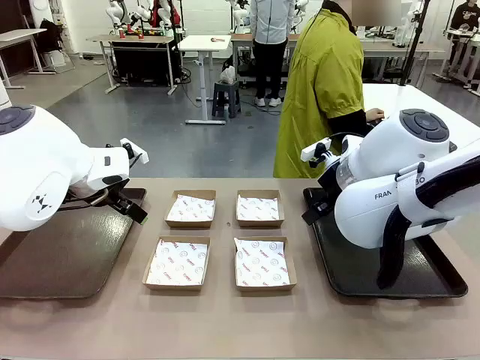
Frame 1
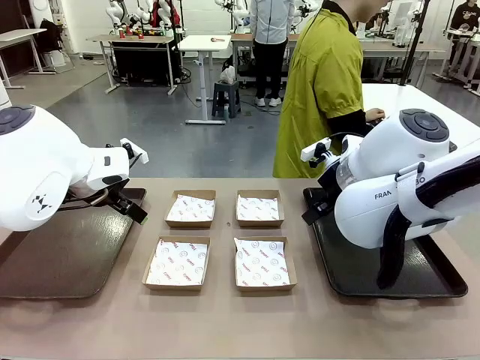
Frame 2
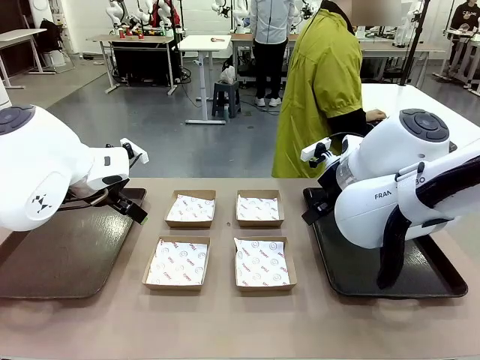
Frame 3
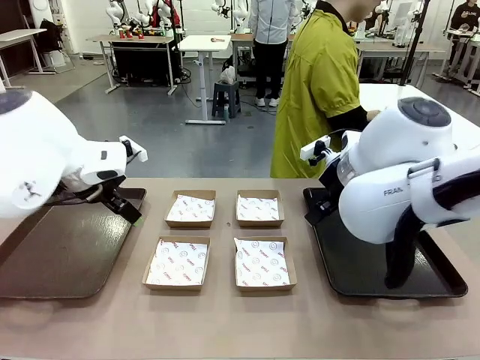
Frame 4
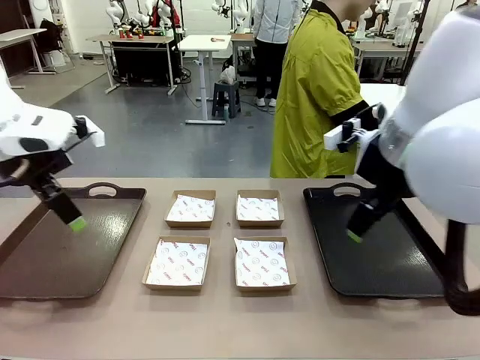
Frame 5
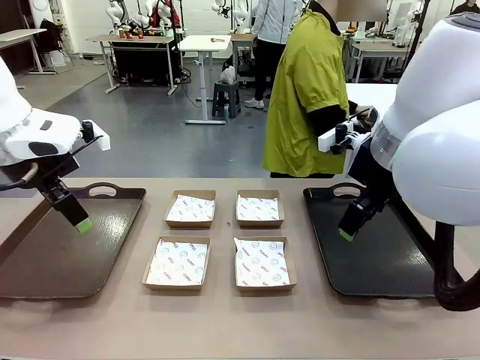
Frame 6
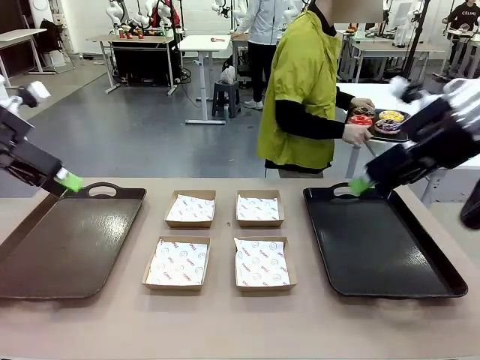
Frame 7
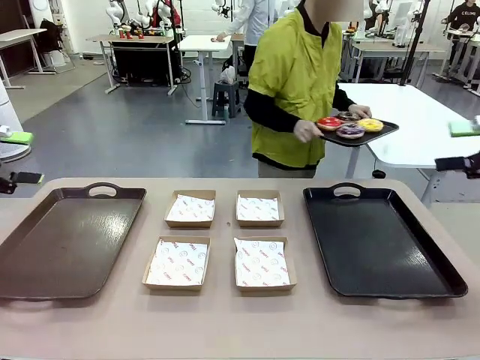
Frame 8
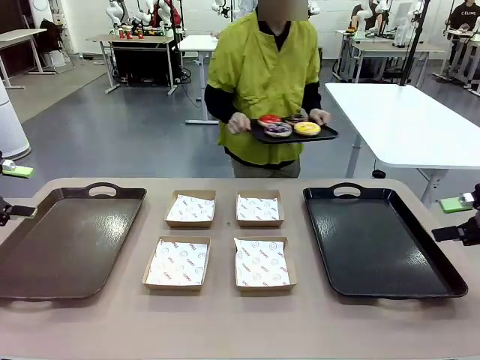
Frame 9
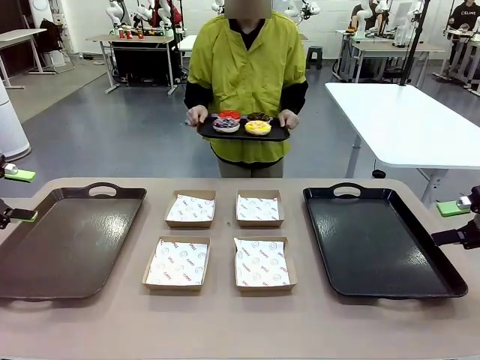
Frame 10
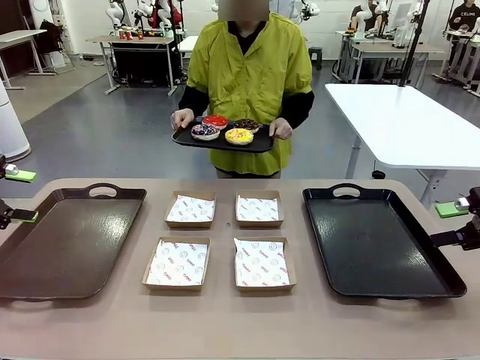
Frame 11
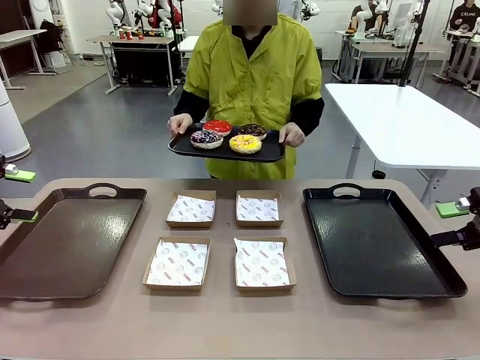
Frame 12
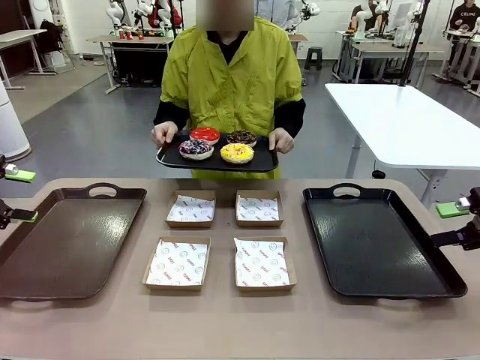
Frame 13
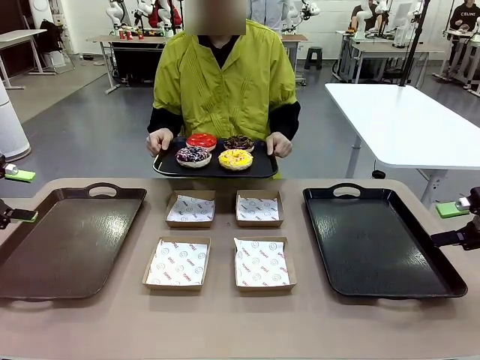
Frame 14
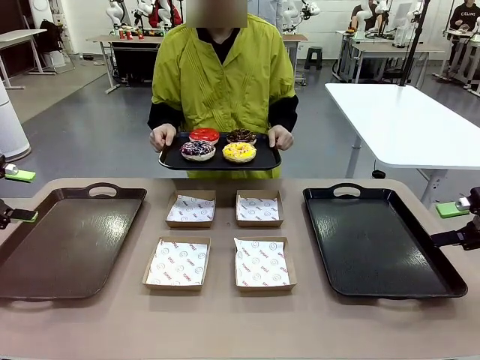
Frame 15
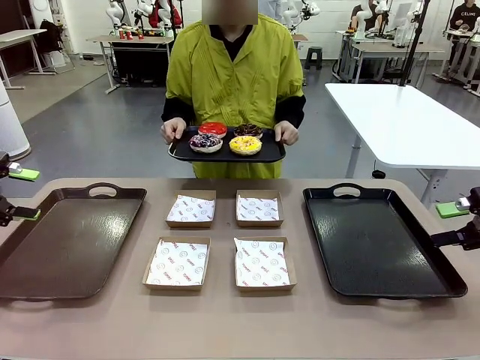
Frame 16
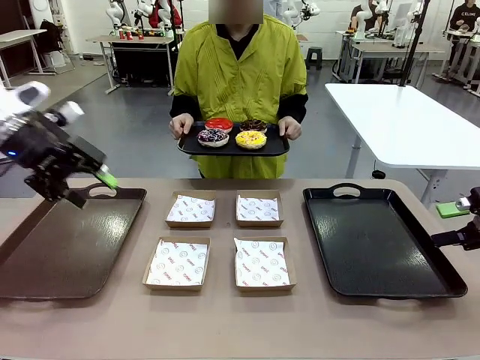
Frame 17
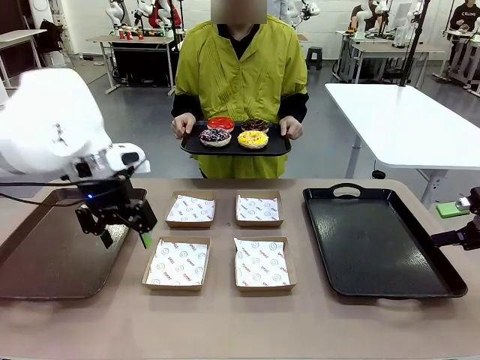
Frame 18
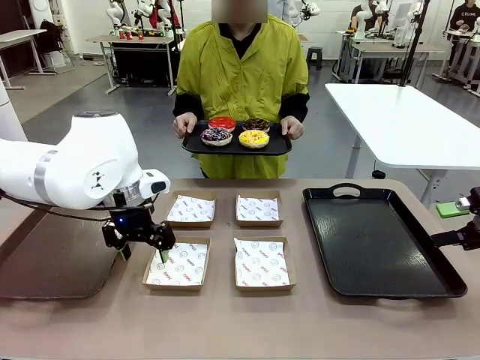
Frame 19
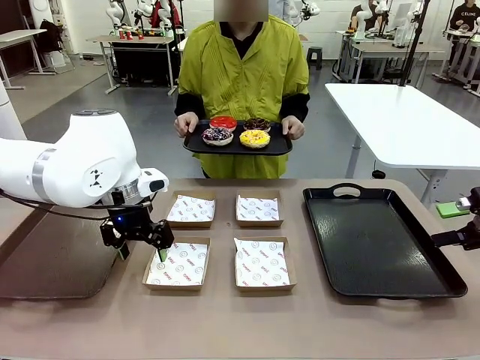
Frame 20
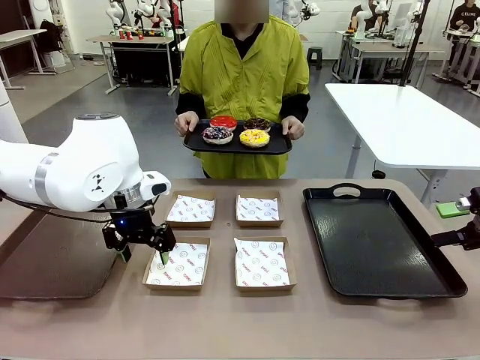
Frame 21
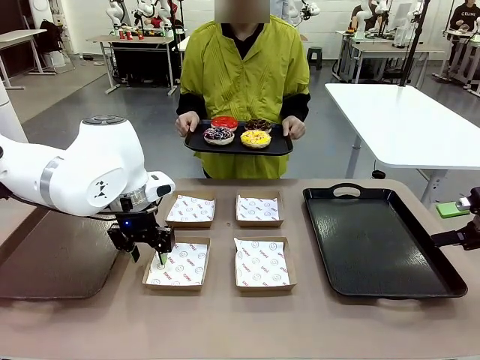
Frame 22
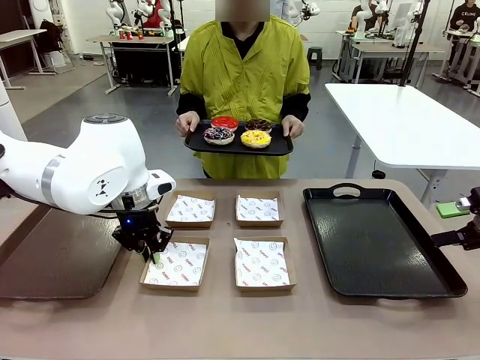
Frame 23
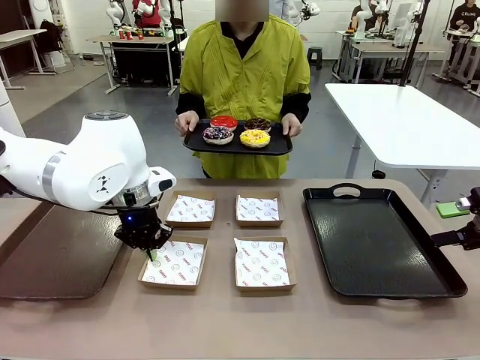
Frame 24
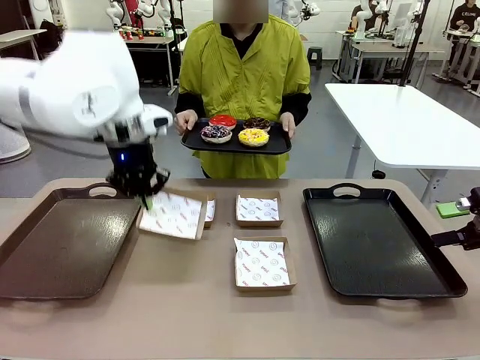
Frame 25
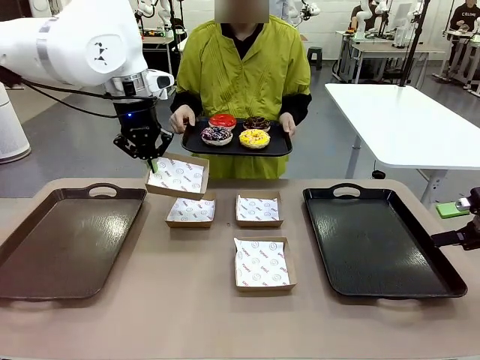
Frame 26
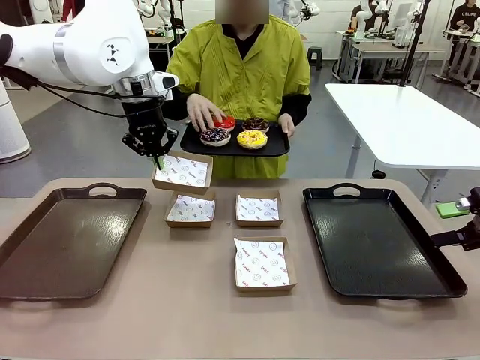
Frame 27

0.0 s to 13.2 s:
Task: Individually package the donuts and arrange them on the tray.
Robot: Pick up one Paper togo box.
Person: Stand in front of the robot table holding the tray containing the donuts.

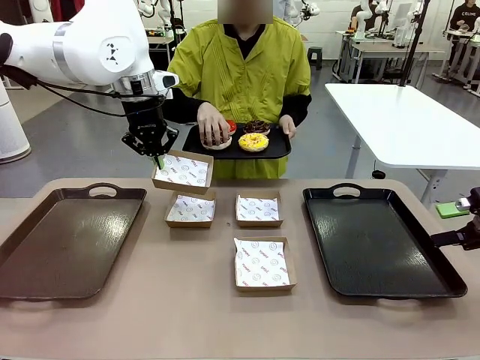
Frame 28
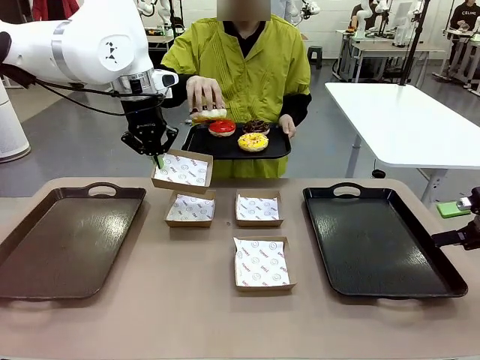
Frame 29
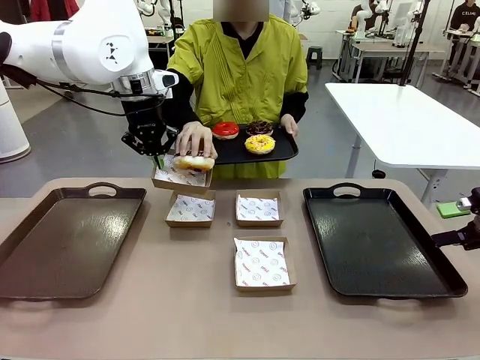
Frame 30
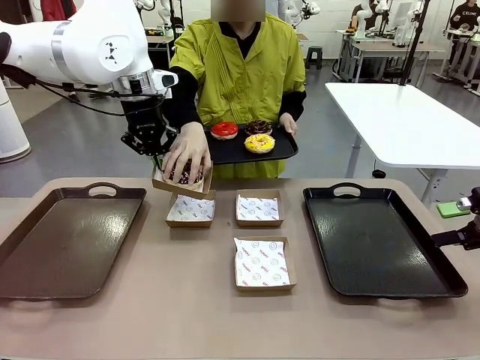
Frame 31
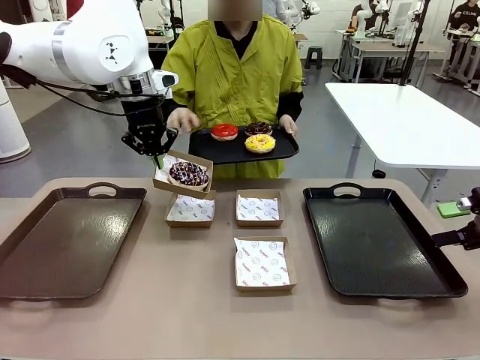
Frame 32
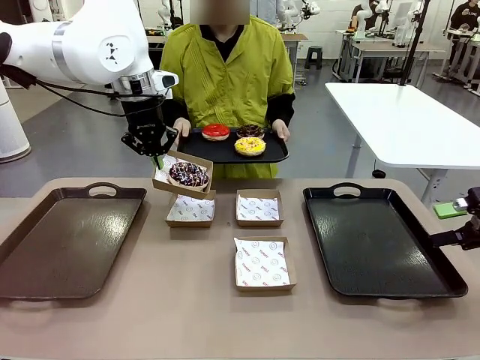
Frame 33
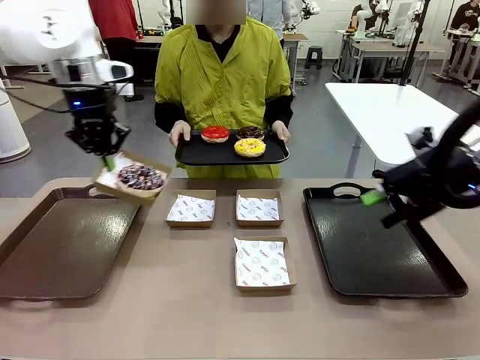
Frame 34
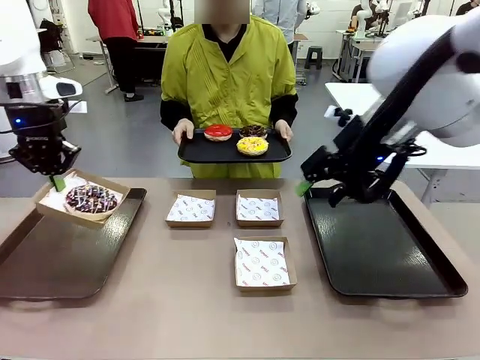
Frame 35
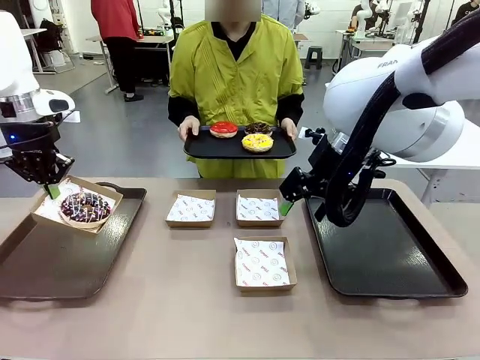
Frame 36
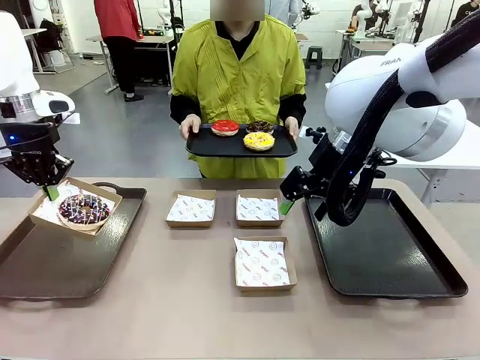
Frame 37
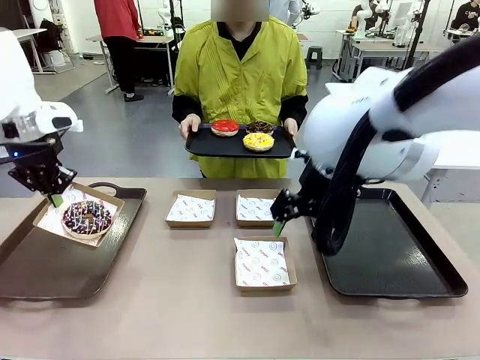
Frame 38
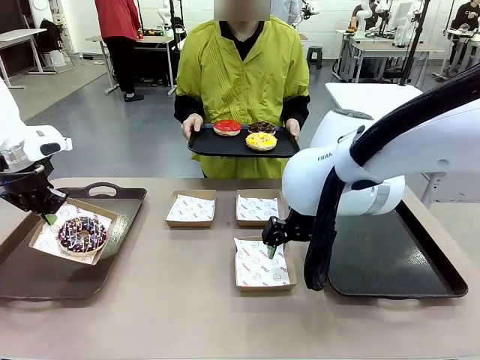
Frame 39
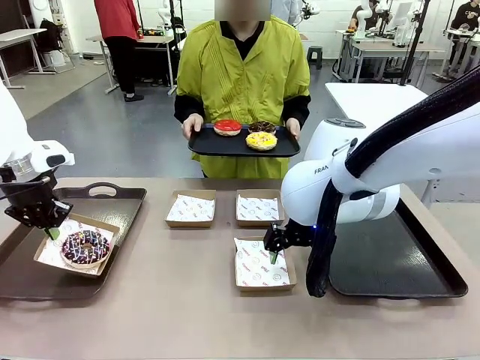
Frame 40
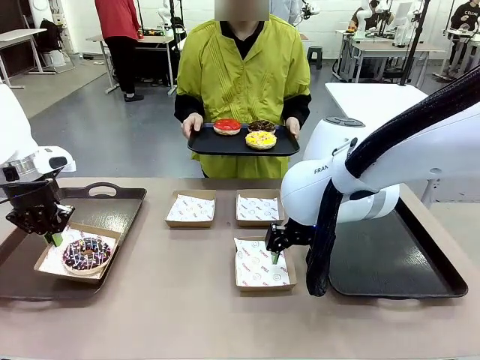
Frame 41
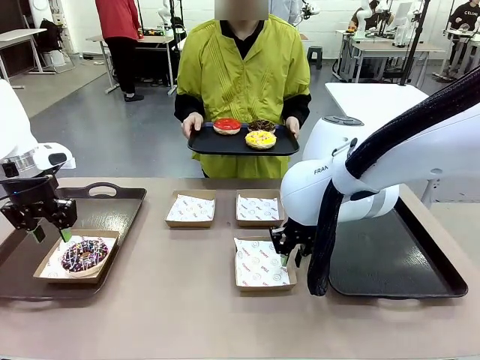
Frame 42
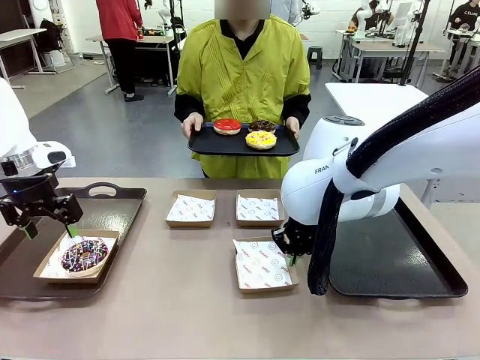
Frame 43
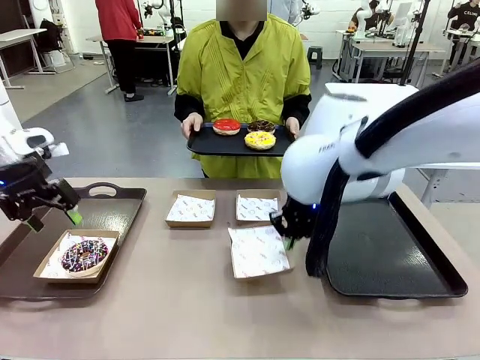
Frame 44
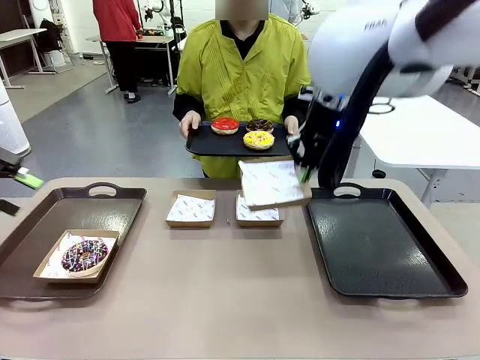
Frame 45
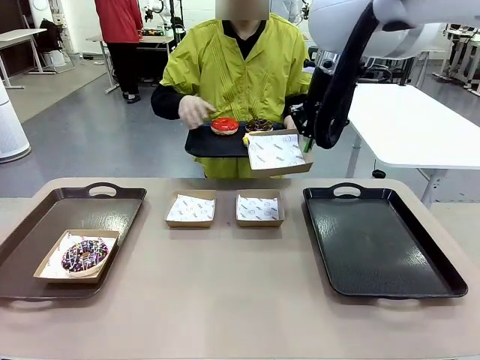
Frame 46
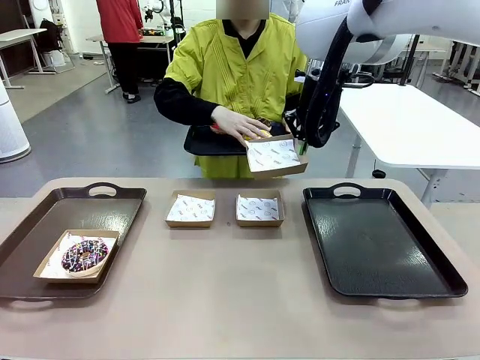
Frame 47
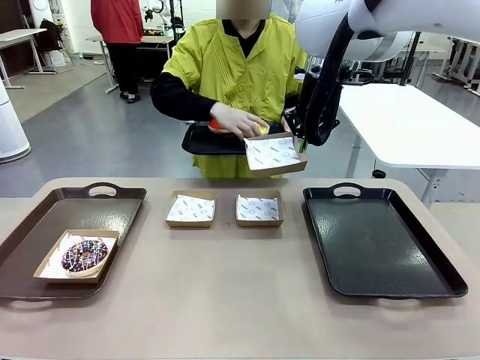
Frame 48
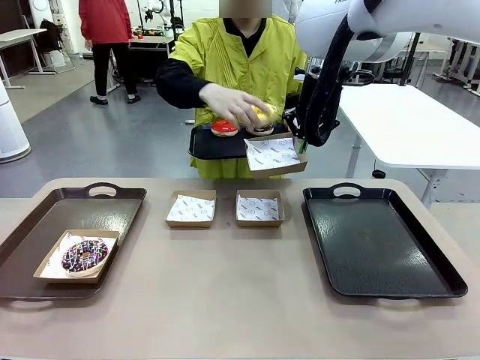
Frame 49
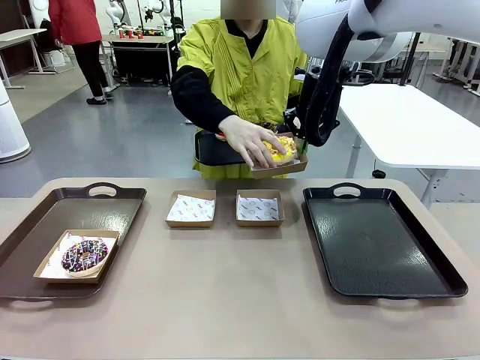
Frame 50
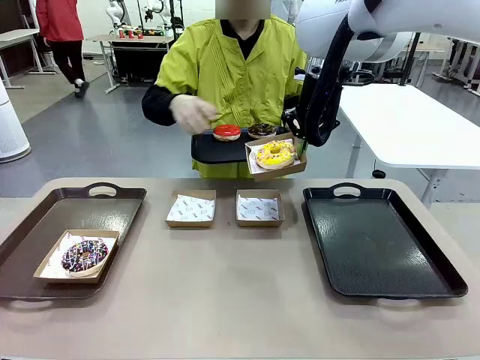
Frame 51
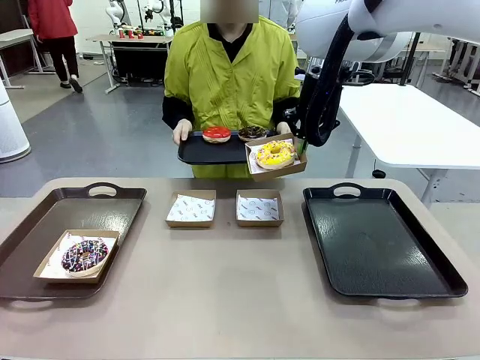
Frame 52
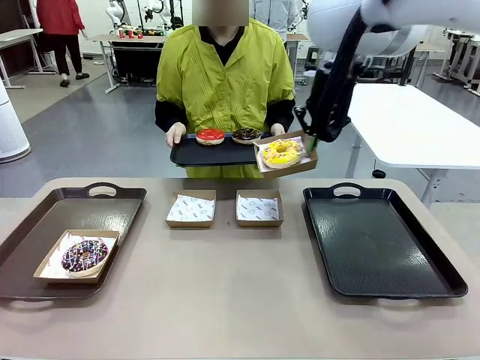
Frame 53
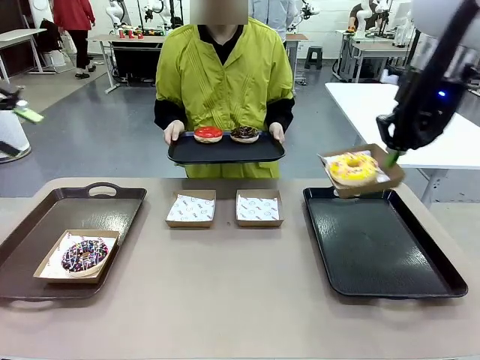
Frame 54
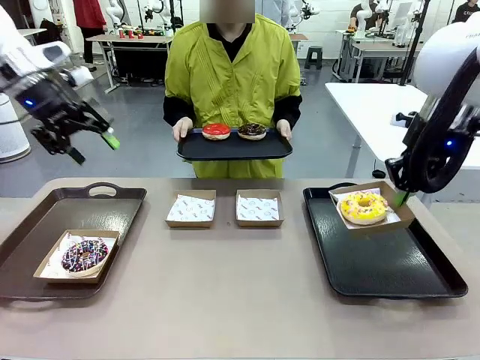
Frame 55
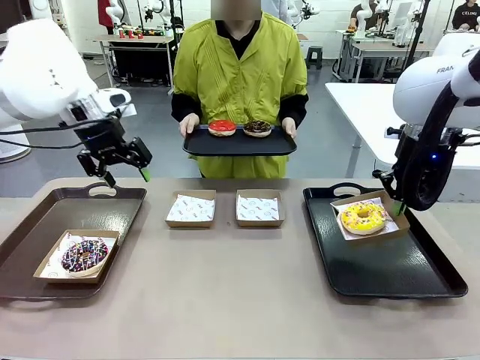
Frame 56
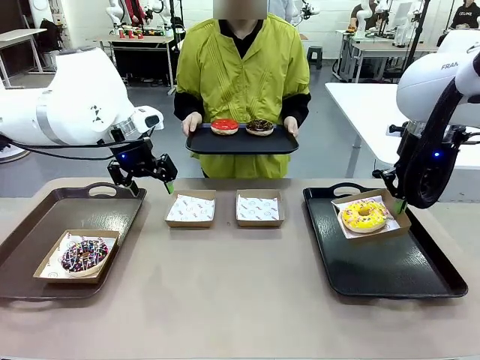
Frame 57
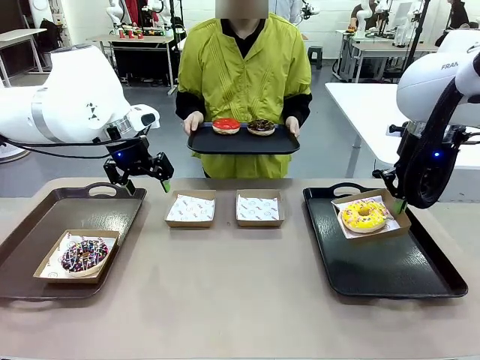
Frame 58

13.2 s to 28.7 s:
Robot: Place the picked Paper togo box on the Handle tray while simultaneously picking up another Paper togo box from the table with the other hand.
